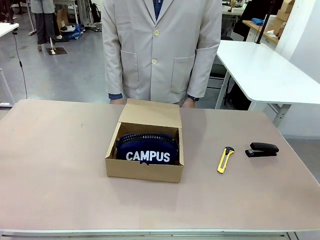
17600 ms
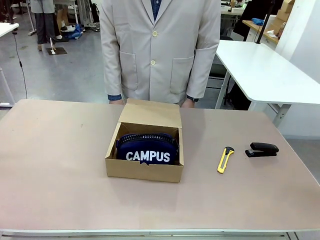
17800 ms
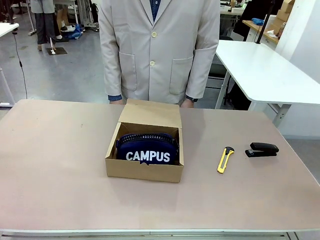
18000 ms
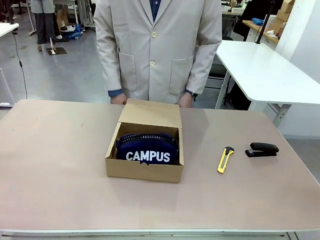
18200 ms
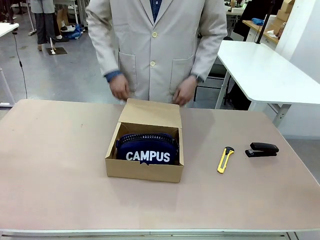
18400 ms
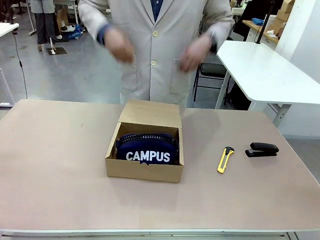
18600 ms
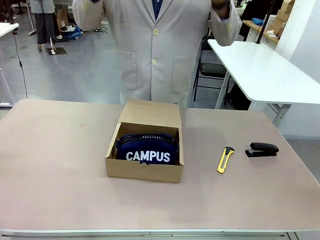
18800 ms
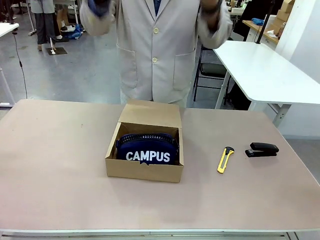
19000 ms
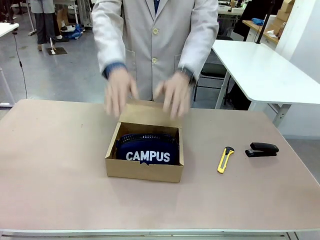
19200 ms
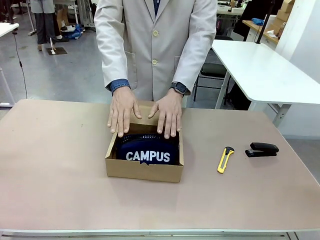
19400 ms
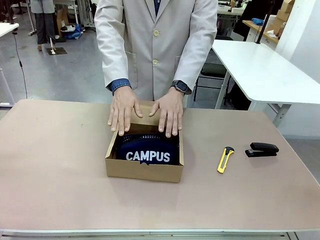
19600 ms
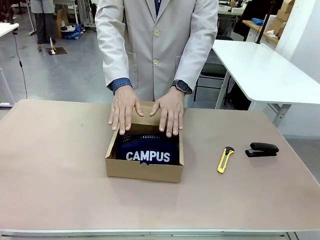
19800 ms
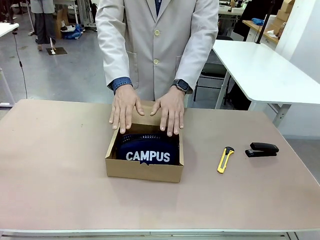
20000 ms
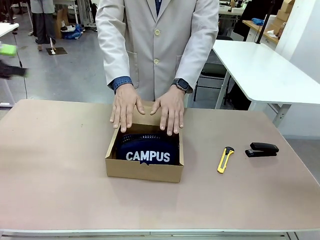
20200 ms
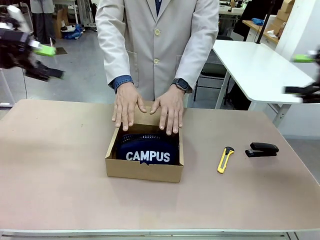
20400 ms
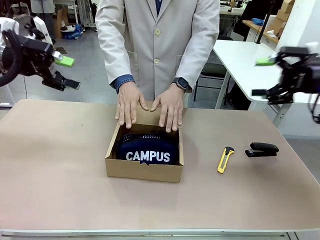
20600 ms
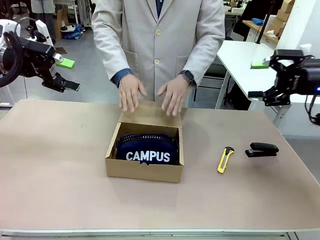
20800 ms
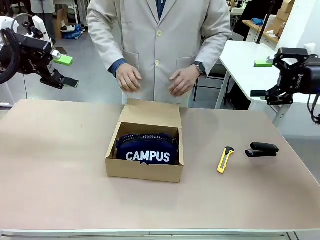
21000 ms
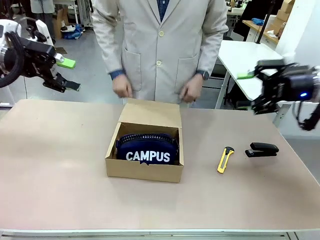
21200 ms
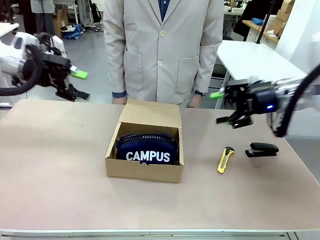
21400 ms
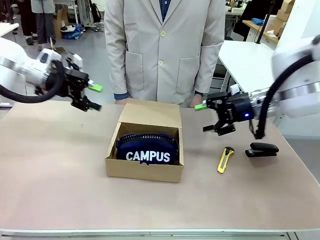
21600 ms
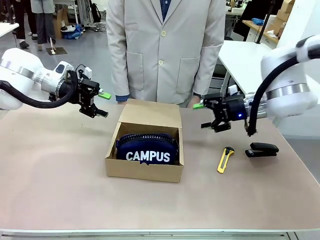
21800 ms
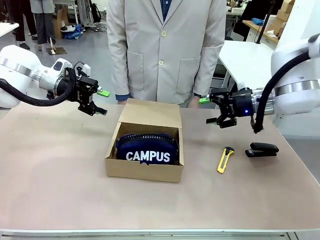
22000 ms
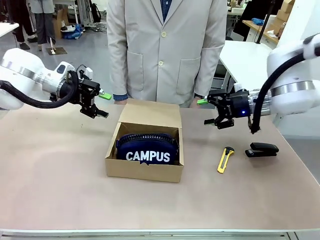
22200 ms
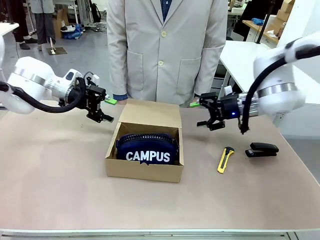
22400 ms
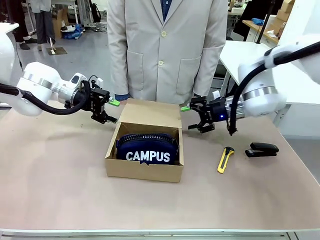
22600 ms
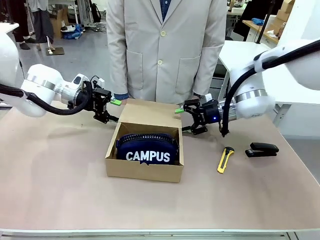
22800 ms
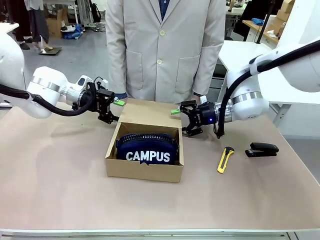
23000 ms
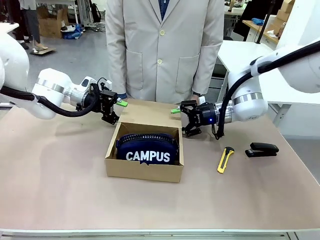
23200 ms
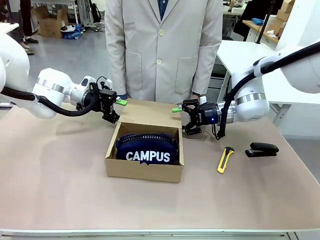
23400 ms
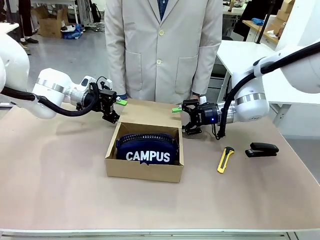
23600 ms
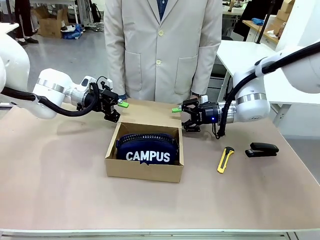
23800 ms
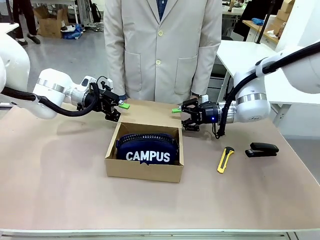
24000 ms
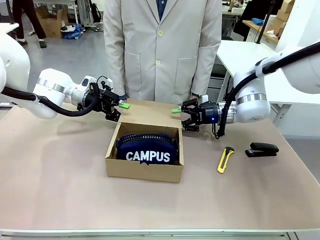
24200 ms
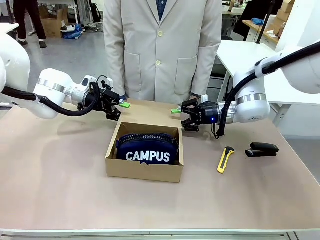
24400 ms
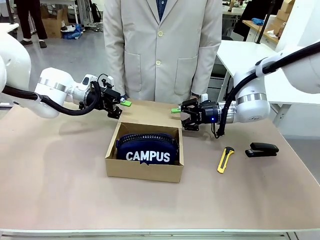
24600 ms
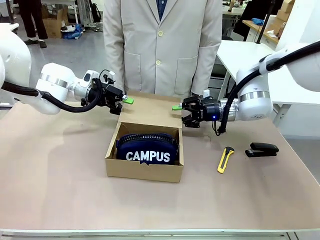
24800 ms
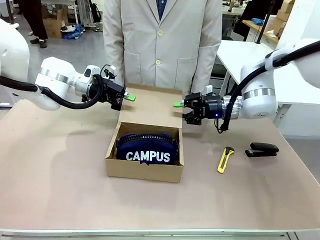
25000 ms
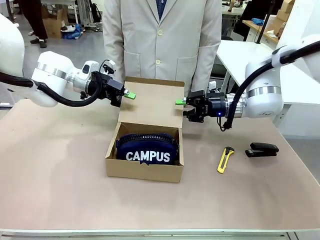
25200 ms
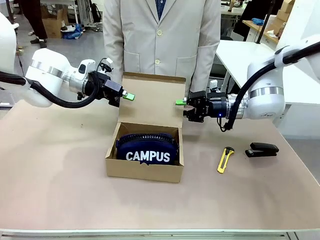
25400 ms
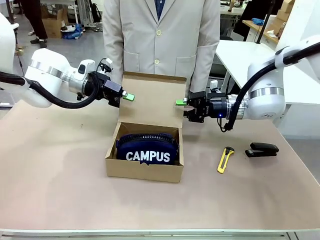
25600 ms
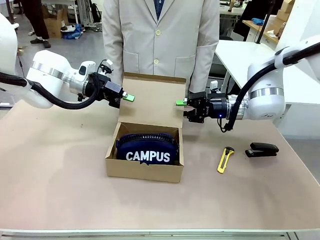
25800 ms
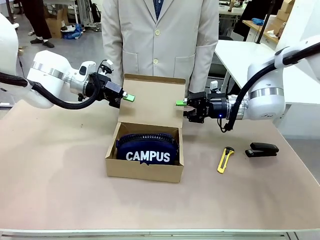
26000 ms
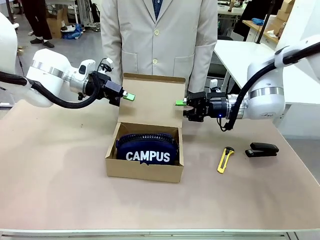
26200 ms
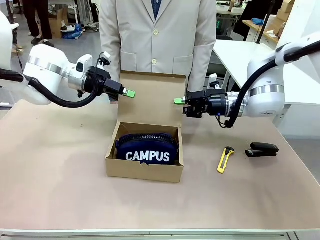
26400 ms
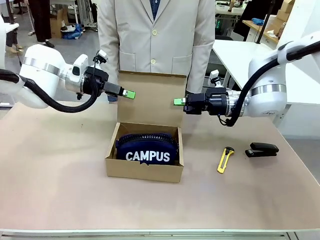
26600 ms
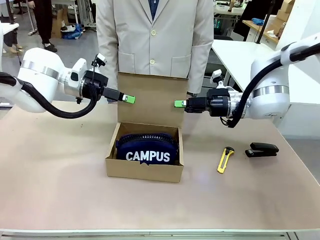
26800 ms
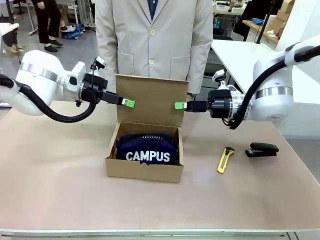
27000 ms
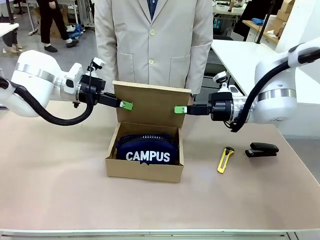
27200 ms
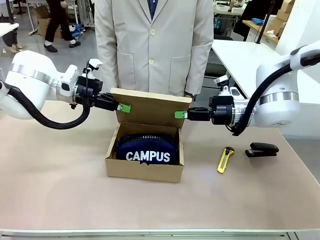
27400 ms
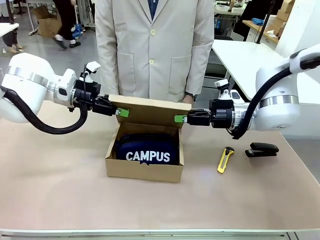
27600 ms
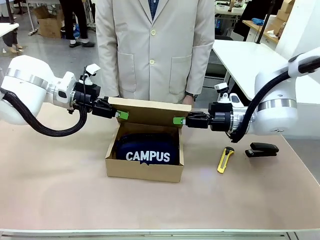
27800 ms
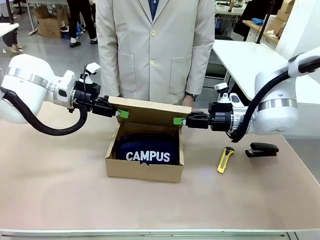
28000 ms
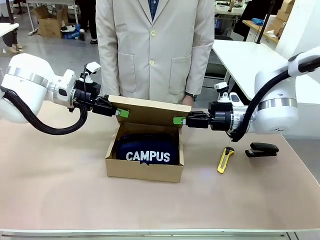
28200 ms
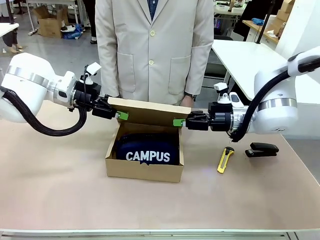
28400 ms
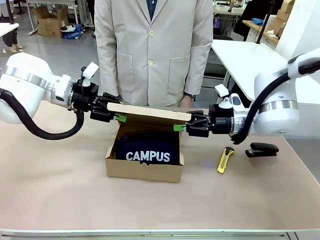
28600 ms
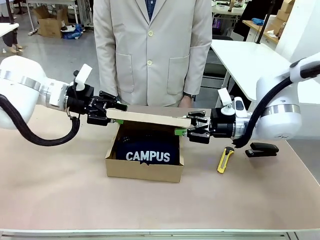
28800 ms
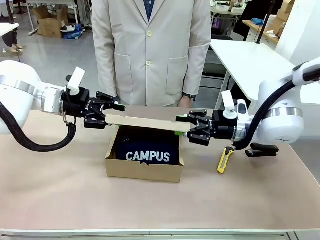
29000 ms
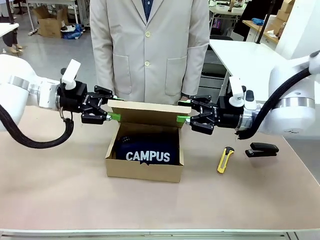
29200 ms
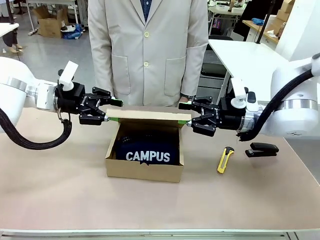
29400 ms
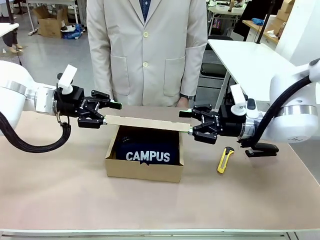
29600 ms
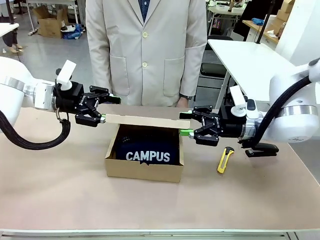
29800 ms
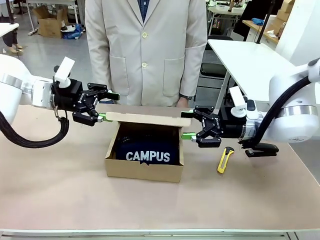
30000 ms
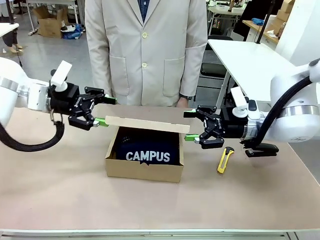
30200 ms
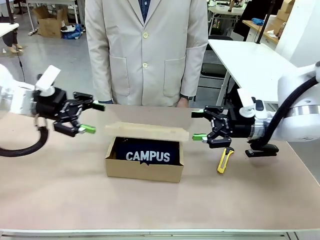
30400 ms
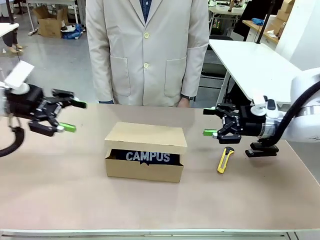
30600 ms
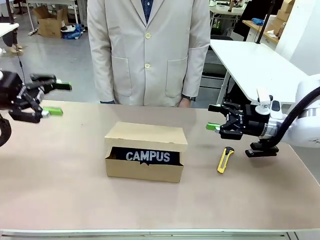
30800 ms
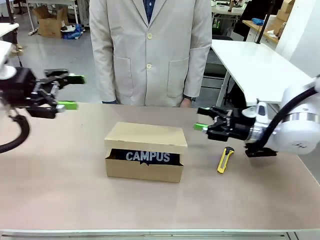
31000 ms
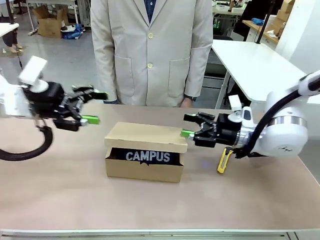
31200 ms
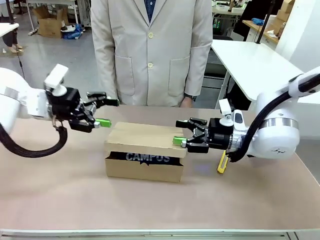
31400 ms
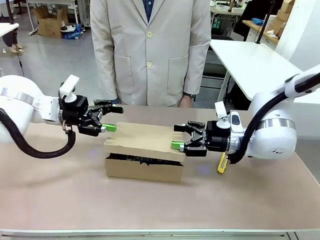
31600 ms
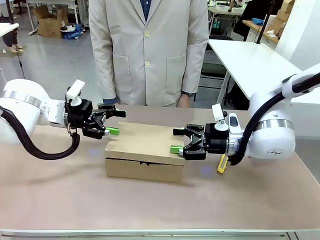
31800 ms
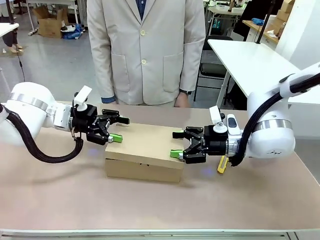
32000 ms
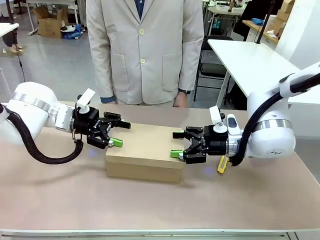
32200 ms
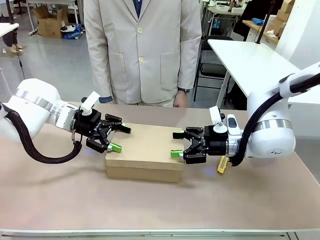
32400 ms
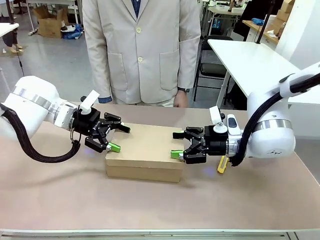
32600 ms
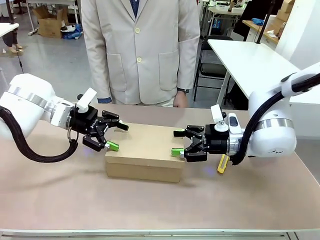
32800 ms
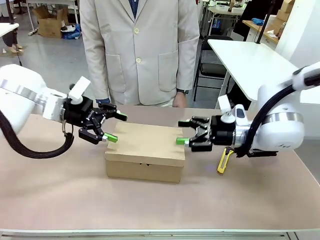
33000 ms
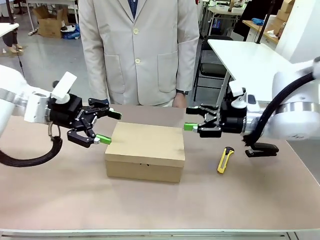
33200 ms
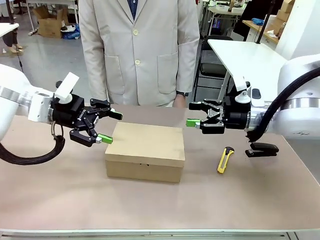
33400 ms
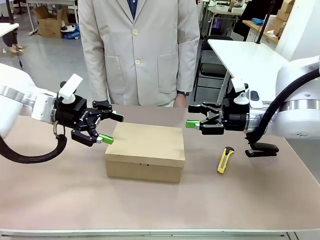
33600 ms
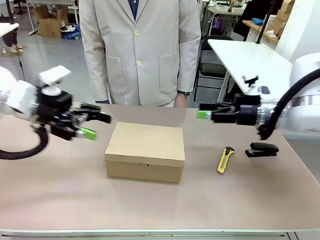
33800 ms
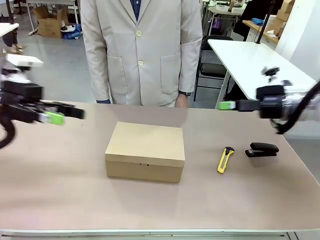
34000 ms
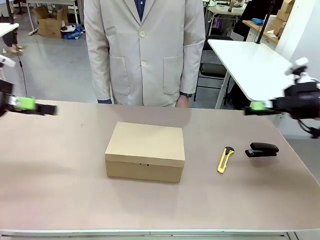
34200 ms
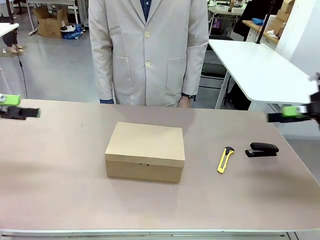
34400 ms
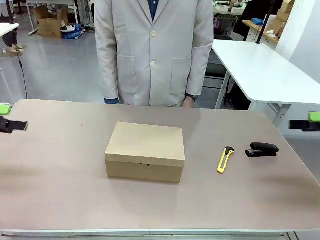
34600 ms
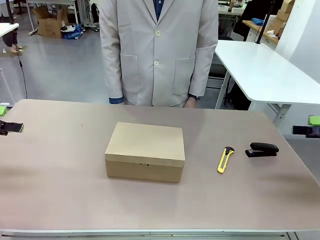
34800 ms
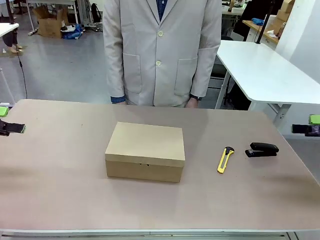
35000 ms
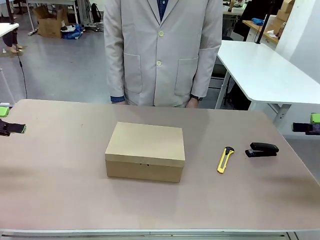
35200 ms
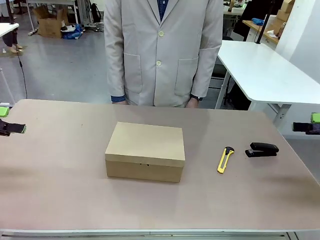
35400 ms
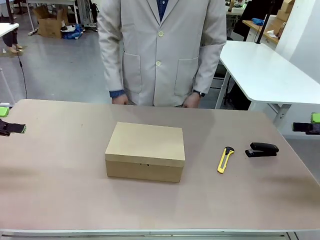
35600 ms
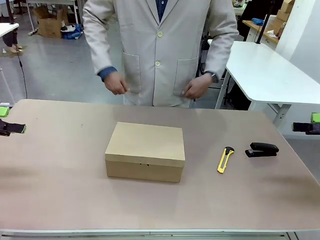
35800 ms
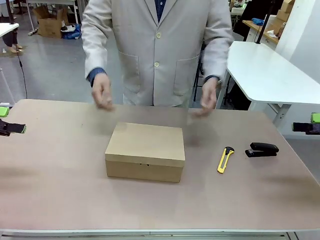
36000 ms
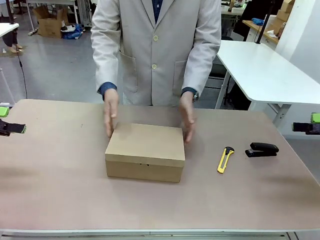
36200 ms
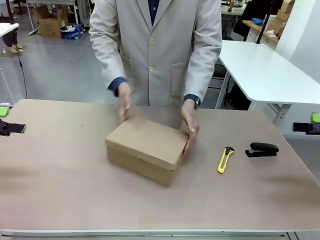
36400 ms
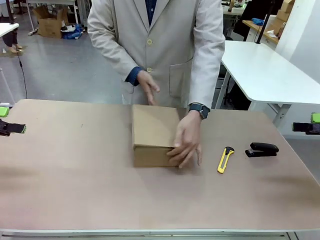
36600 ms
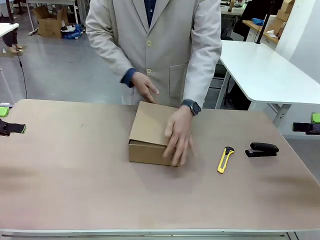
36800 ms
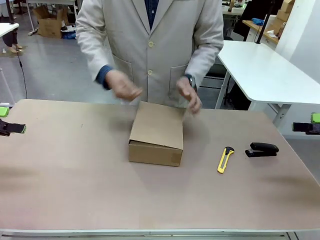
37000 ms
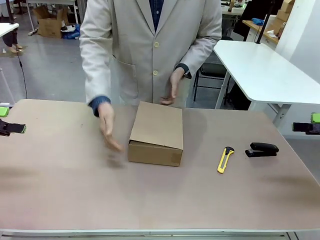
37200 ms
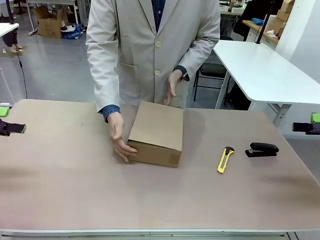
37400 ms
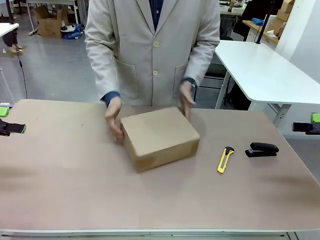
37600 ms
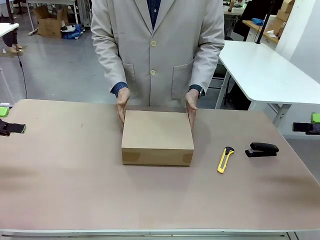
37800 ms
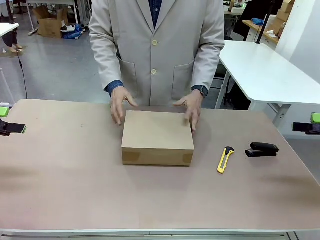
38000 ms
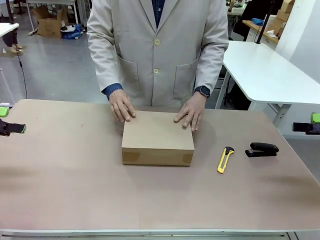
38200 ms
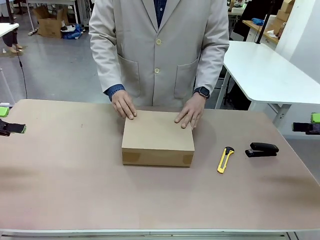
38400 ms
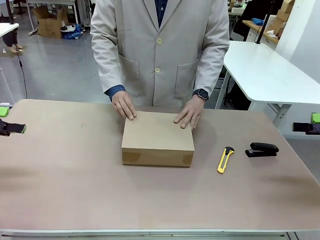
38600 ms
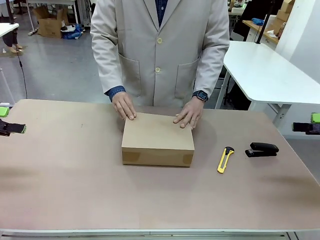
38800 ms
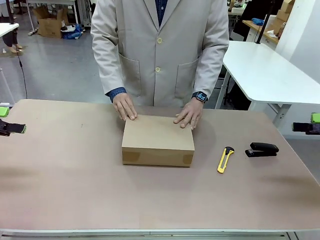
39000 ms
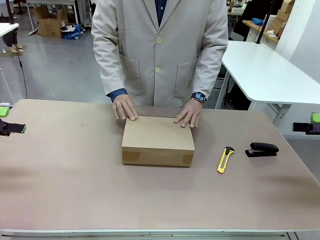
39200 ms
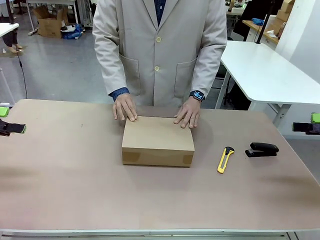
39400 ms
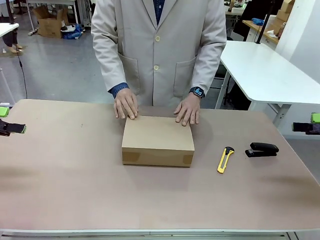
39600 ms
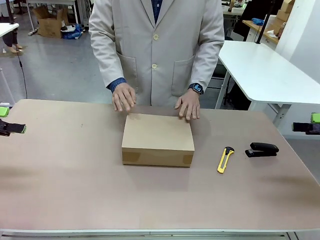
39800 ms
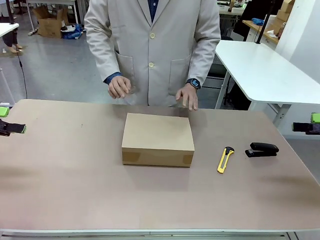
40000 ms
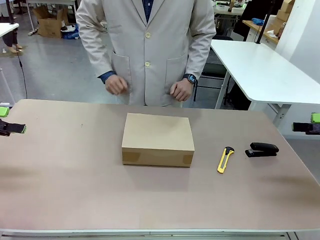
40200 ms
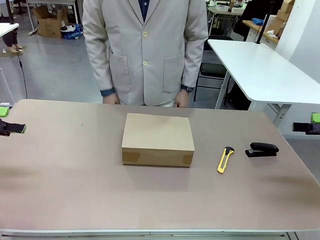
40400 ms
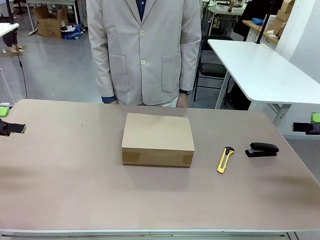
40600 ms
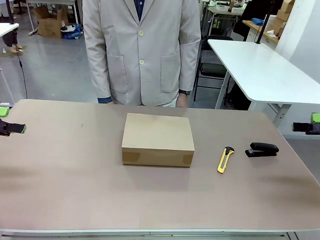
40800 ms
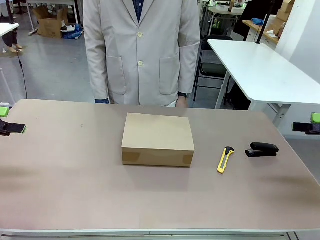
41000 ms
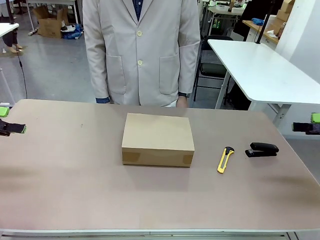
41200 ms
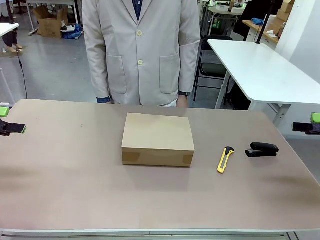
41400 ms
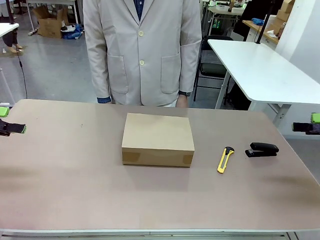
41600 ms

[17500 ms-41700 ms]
Task: Pack the item into the box.
Robot: Close the Mailer Box.
Person: Lower both hands vertically with palms facing downward, as if pressing something closed. Turn the box and lock it.
